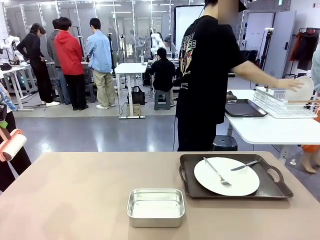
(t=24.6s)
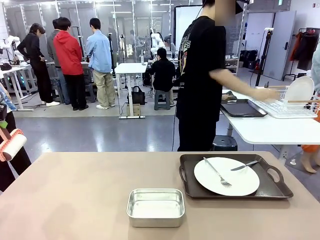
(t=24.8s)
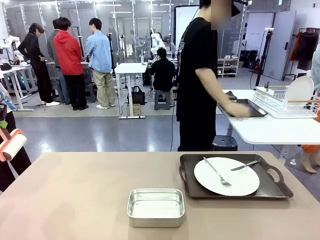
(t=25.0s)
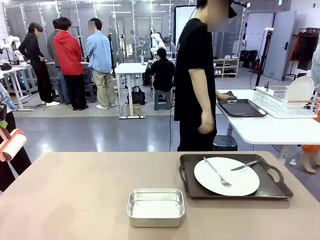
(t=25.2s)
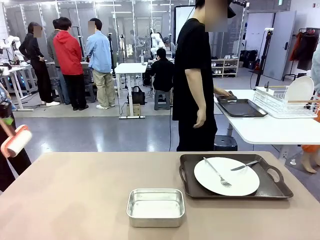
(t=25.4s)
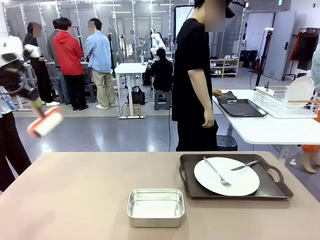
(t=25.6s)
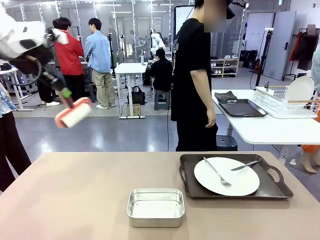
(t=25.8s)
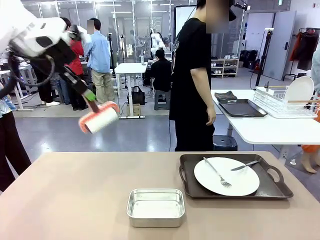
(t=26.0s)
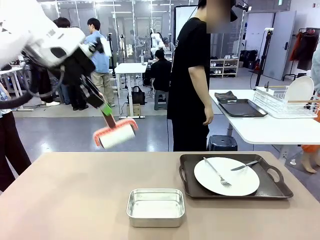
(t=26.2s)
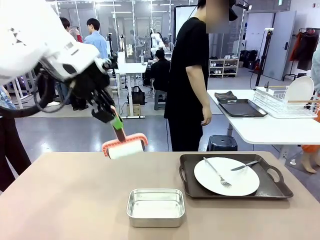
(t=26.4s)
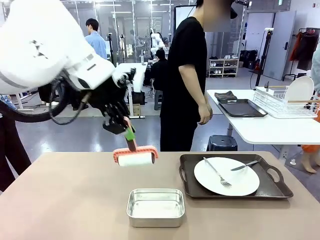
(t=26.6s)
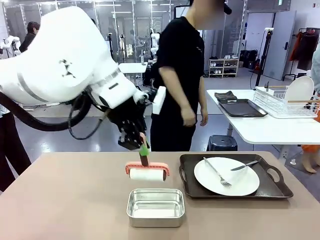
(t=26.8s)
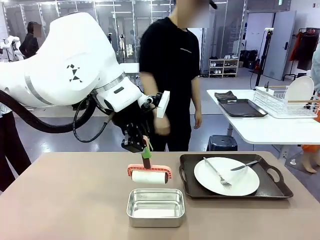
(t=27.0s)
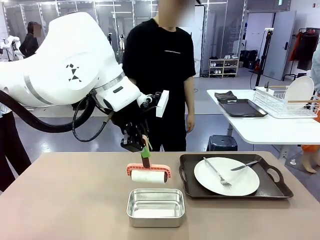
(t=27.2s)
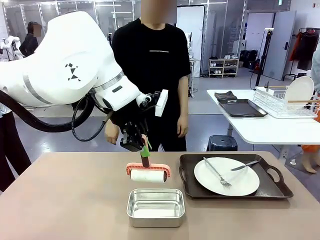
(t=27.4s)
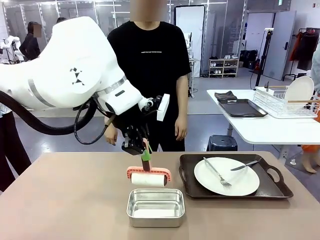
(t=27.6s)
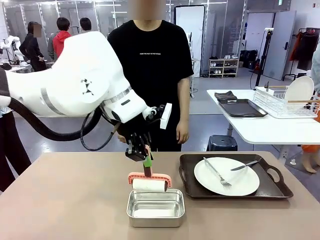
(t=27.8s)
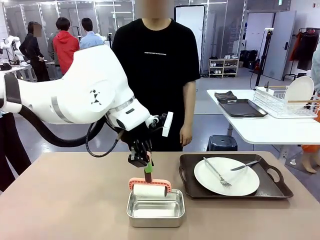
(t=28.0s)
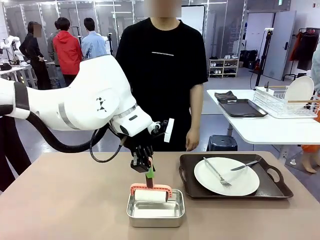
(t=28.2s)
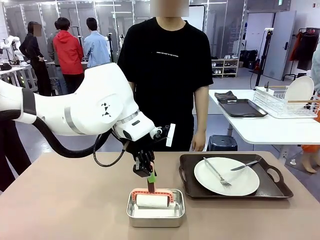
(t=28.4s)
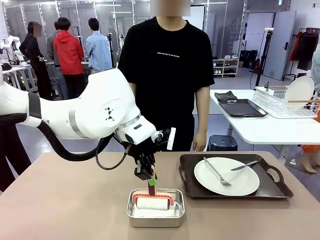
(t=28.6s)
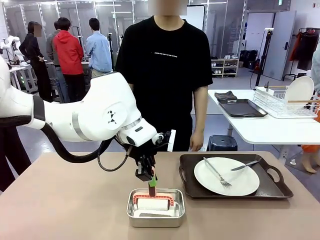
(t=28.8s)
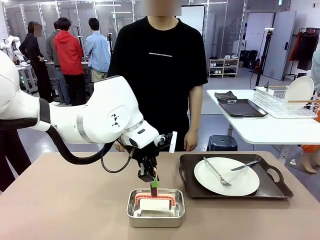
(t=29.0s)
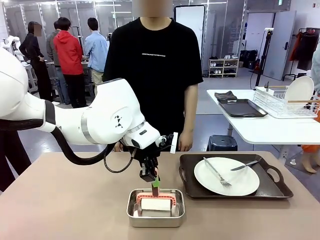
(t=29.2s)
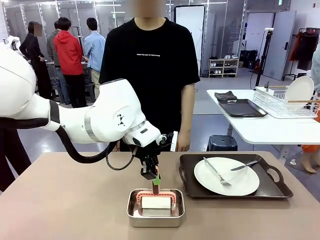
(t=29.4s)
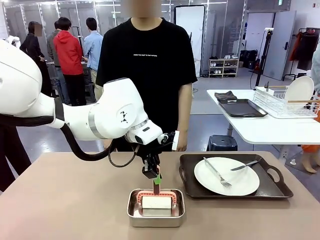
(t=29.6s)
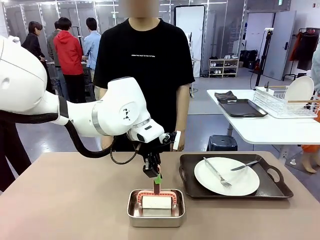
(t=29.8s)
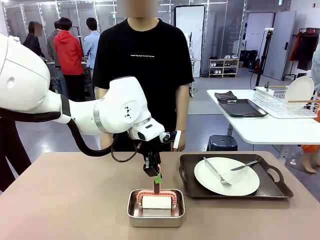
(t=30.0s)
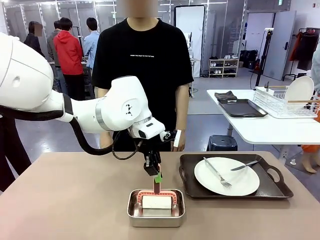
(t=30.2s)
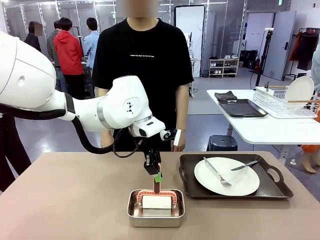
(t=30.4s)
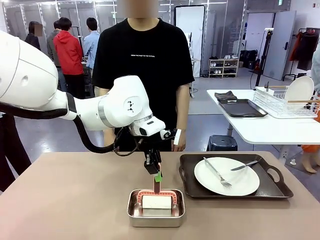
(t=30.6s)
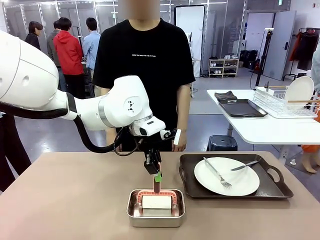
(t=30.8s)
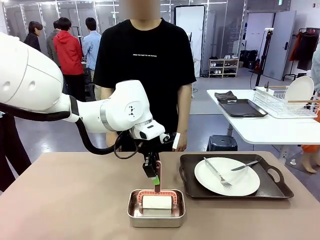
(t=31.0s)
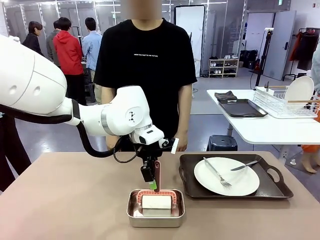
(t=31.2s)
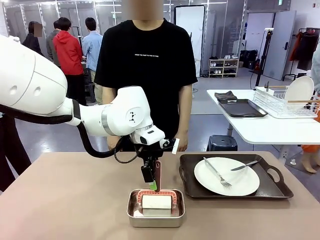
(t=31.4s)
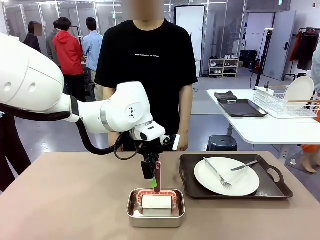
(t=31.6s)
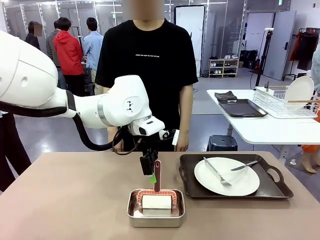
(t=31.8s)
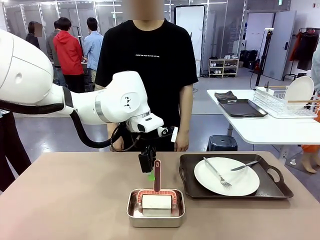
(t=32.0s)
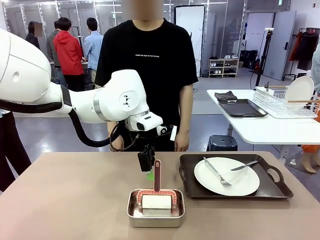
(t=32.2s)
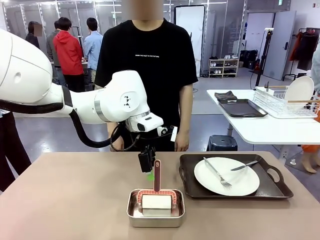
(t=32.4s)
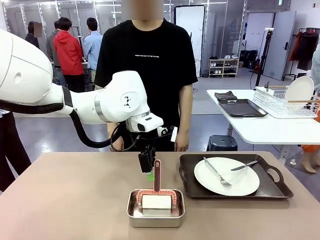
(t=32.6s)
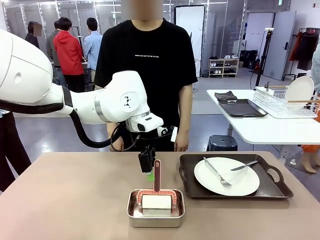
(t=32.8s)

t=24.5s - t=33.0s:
Robot: Place the Lint Roller back on top of the Airtight Container.
Person: Pick up the left (or right) Handle tray and place it on the Handle tray.

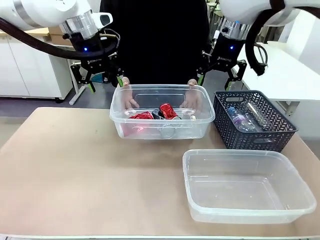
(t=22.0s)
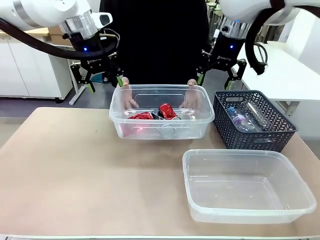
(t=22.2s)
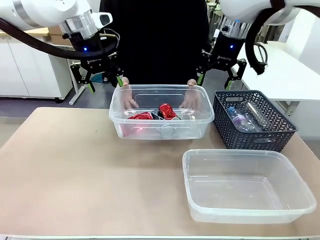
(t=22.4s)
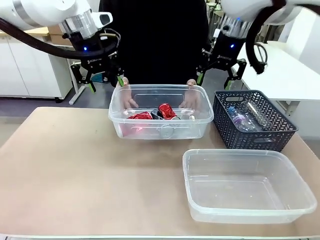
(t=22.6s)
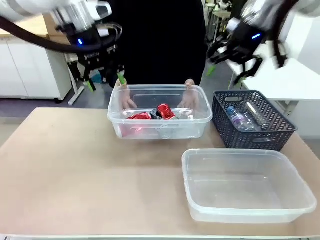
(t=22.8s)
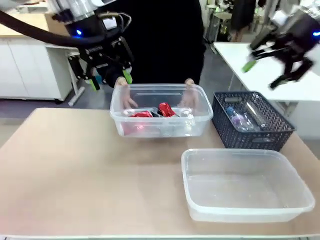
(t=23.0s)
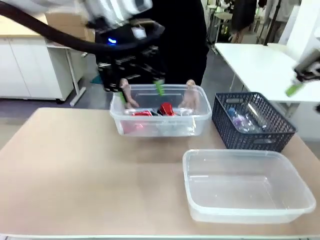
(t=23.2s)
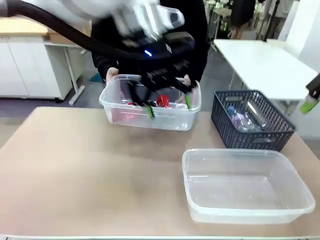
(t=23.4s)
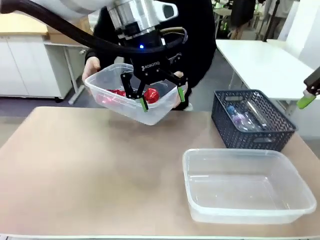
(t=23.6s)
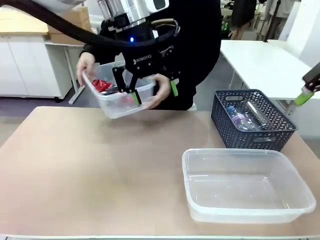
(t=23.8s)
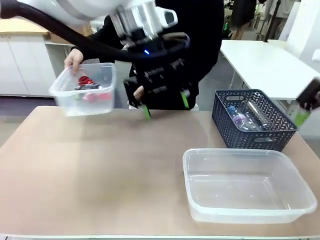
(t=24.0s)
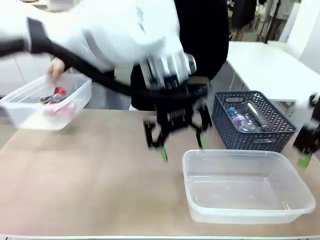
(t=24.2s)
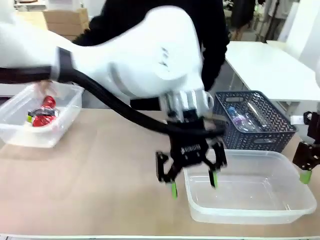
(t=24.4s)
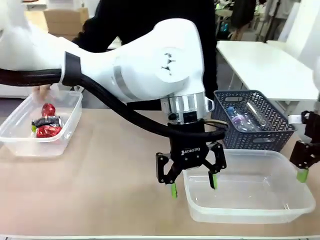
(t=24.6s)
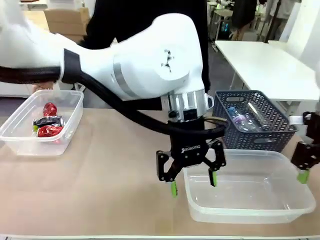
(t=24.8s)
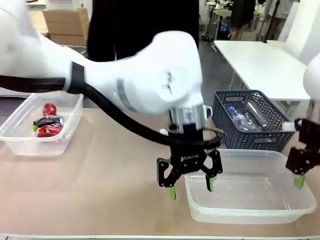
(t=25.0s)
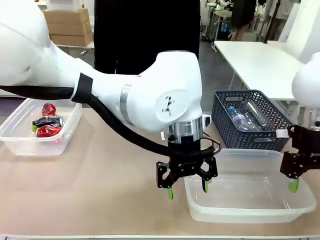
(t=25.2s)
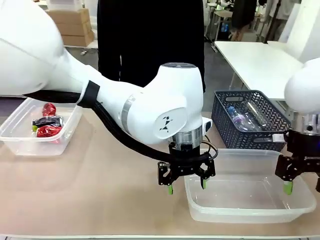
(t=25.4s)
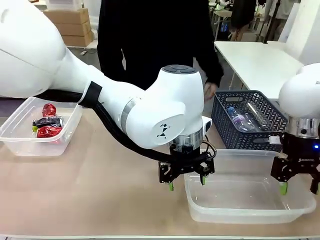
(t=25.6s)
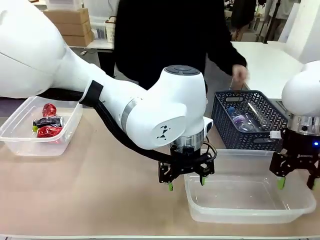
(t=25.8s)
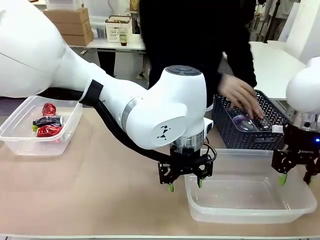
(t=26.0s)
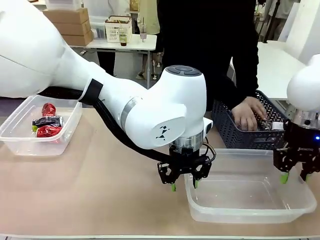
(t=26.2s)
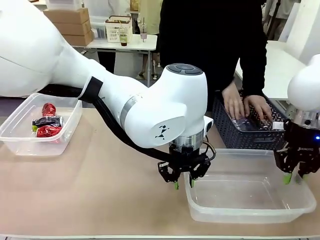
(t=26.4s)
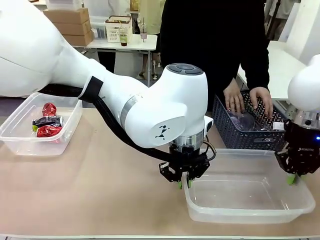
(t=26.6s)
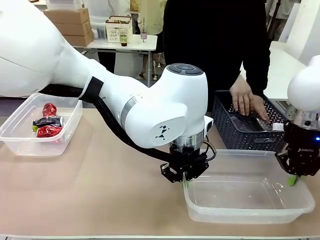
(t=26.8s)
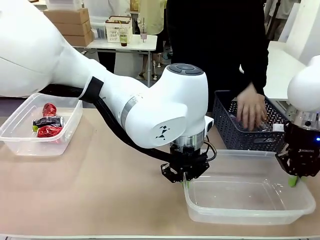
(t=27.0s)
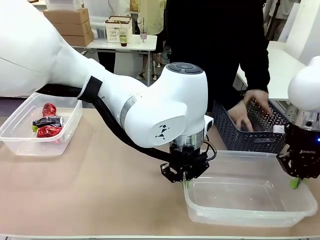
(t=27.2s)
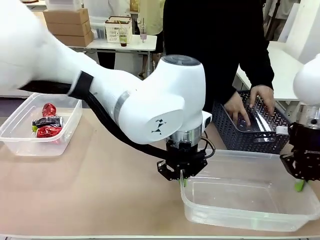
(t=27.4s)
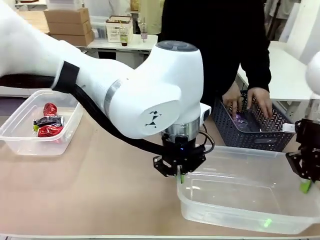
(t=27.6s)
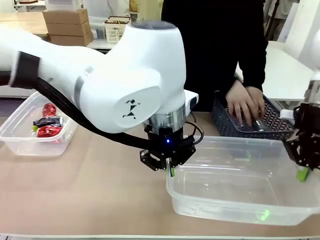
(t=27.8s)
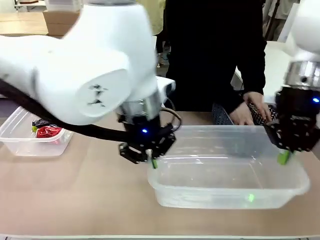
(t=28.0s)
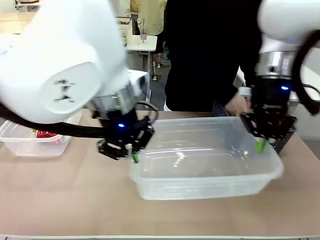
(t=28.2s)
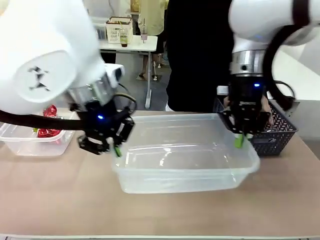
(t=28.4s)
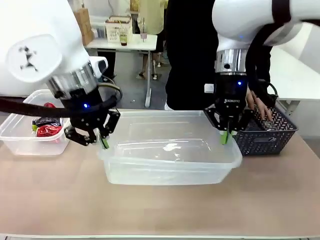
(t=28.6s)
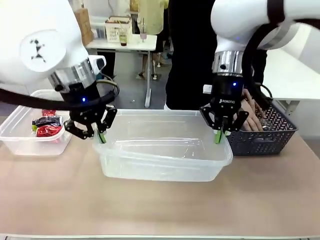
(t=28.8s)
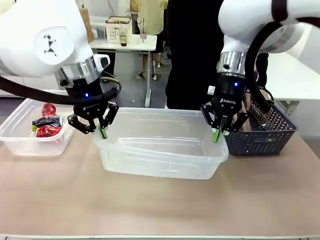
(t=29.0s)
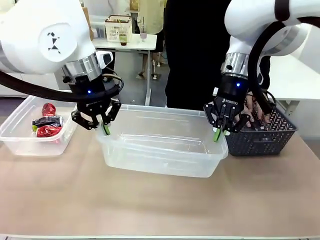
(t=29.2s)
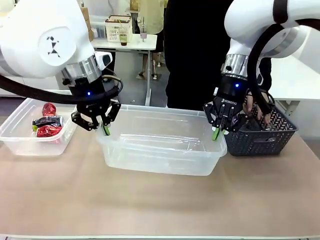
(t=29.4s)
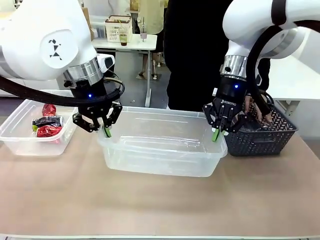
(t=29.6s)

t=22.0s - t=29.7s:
Robot: Pick up the Organizing box on the right side of the table and lift it.
Person: Place it at the edge of the bottom right area of the robot table.

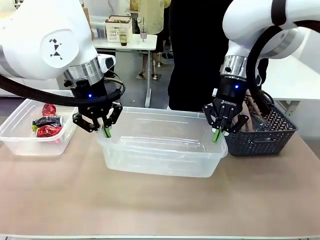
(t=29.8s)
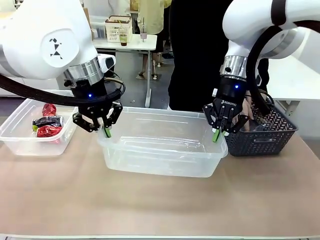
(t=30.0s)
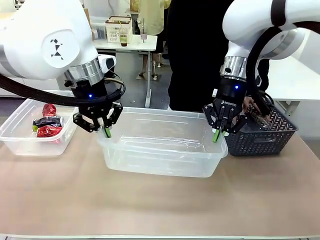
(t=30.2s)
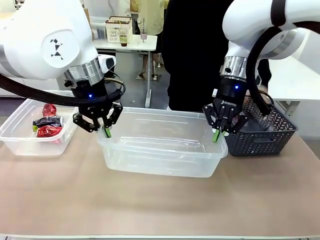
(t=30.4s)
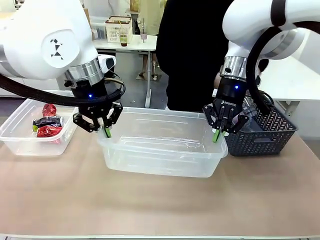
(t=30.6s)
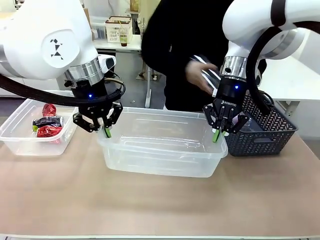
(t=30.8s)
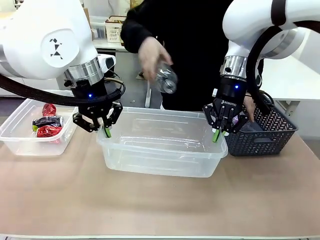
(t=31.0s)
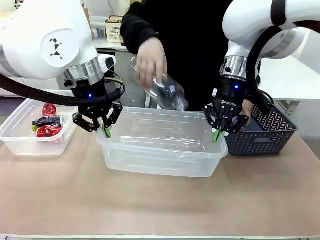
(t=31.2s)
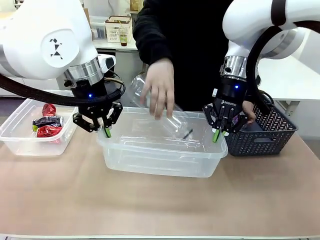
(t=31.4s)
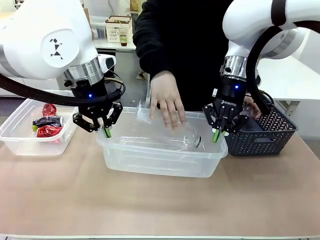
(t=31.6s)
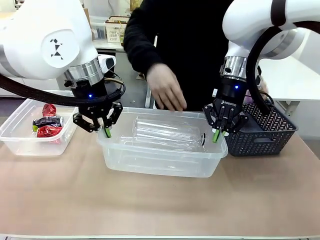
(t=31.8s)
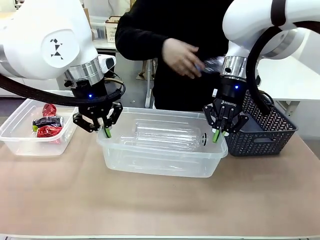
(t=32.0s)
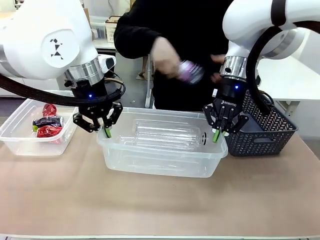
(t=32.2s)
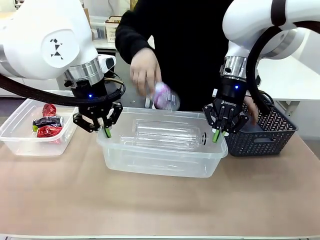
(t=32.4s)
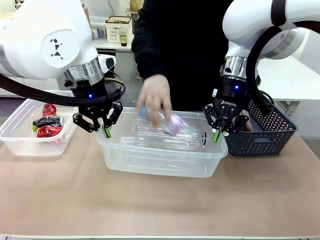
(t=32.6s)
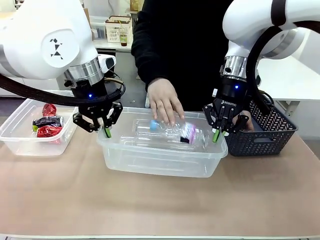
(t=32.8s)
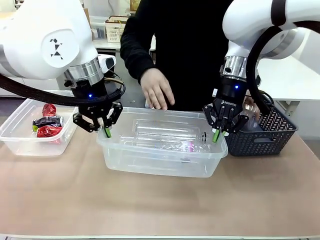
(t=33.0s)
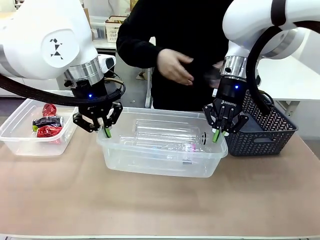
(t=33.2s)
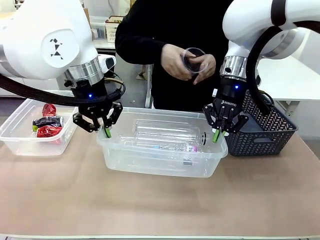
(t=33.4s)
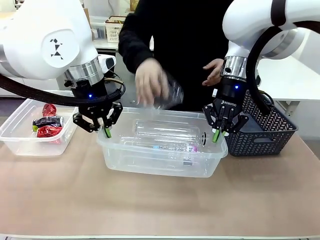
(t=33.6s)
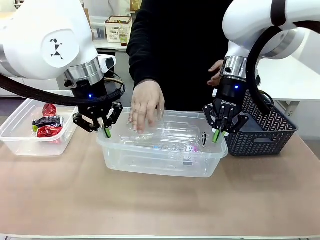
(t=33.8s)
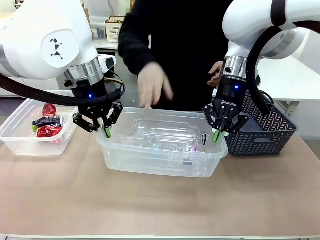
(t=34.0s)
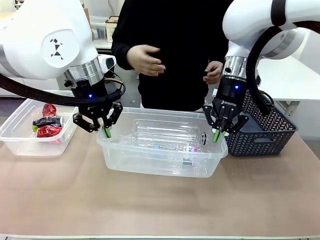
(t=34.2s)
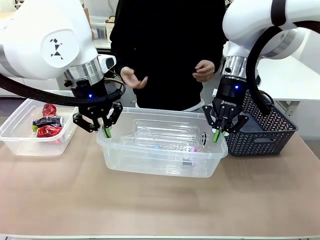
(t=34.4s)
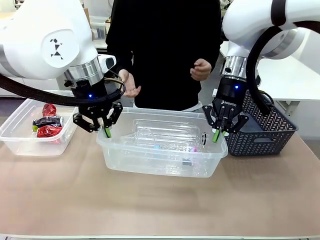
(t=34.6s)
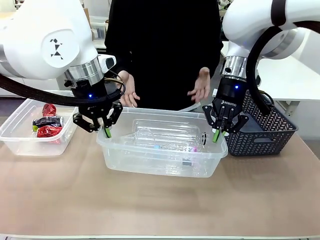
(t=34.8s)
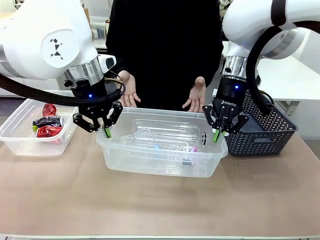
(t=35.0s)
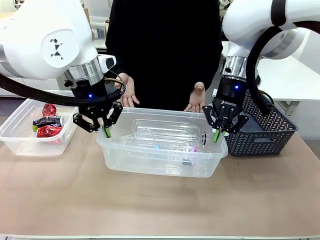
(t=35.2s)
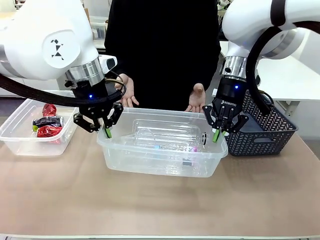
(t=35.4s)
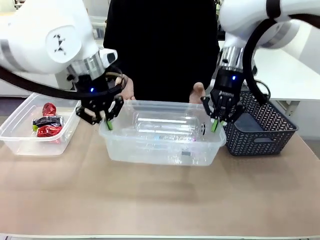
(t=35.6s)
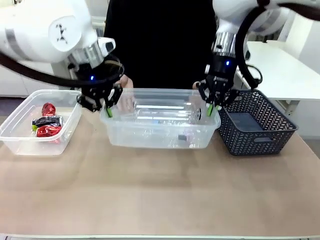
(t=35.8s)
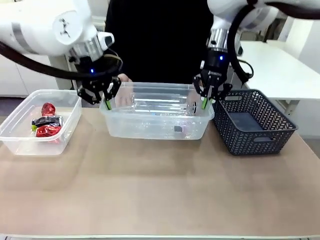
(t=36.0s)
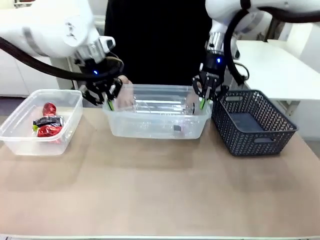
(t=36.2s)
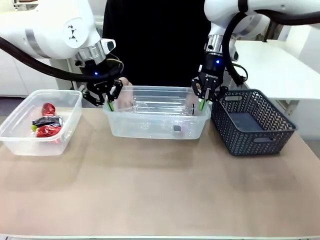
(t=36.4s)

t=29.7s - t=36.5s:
Robot: Offer the picked Organizing box to the human.
Person: Pick up plastic waste one by one and place it into the organizing box lifted by the robot.
